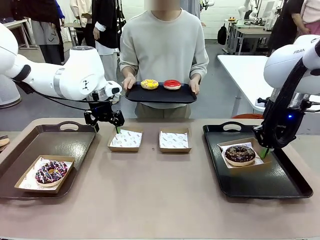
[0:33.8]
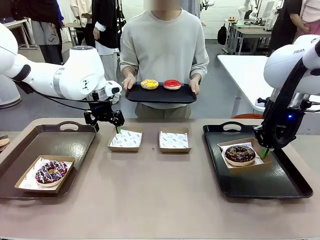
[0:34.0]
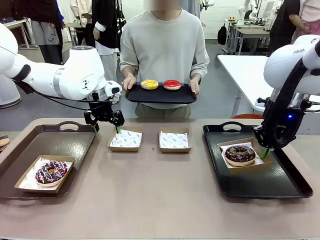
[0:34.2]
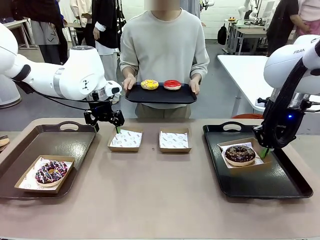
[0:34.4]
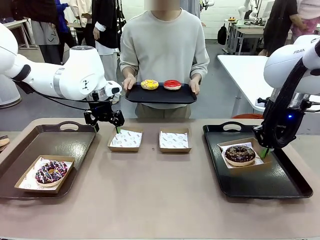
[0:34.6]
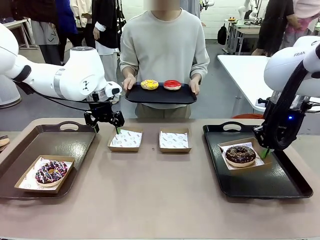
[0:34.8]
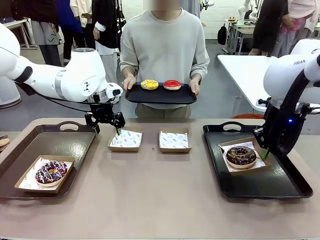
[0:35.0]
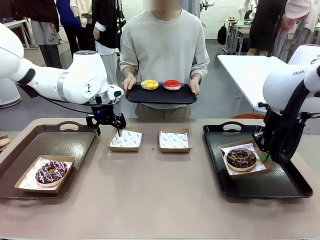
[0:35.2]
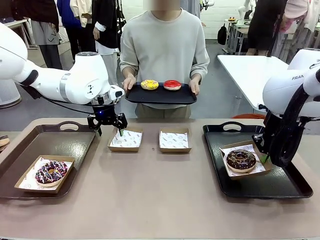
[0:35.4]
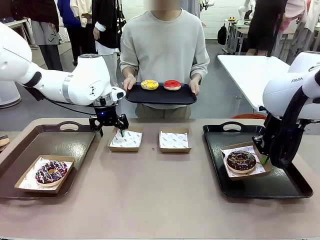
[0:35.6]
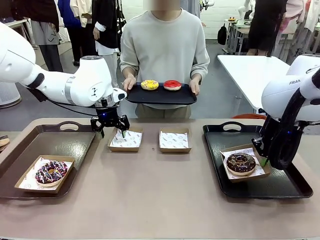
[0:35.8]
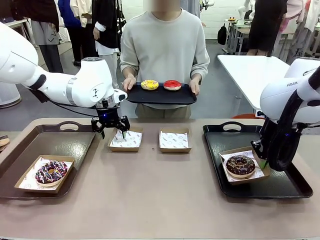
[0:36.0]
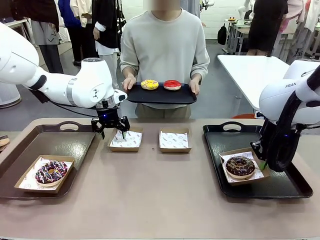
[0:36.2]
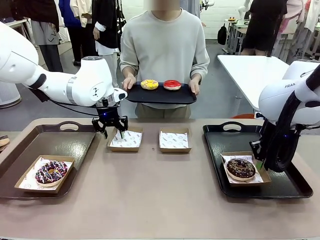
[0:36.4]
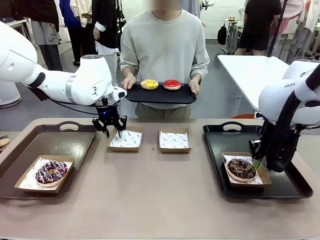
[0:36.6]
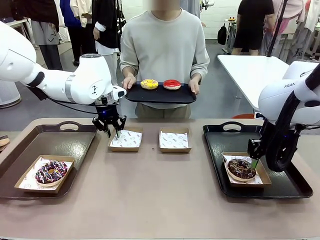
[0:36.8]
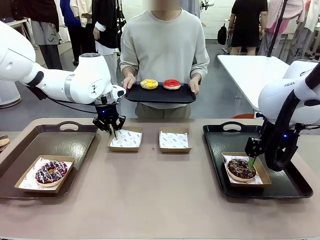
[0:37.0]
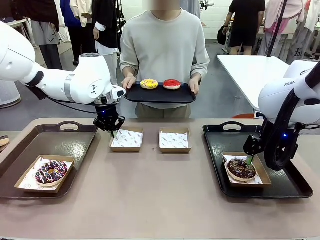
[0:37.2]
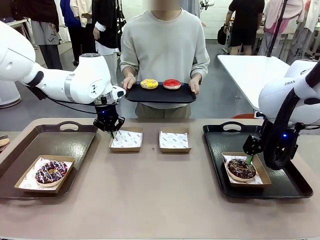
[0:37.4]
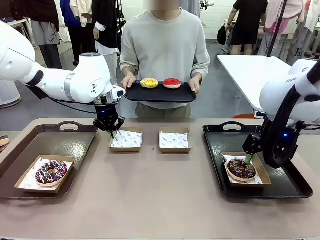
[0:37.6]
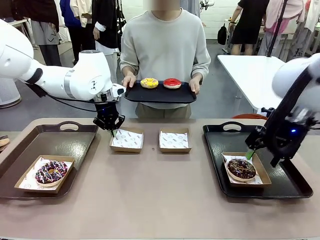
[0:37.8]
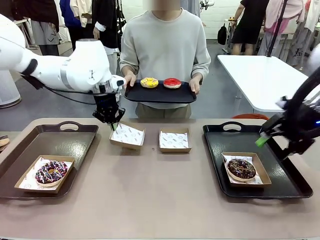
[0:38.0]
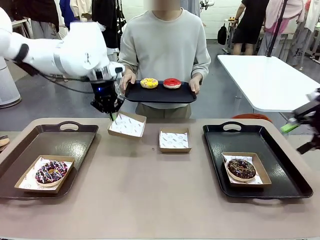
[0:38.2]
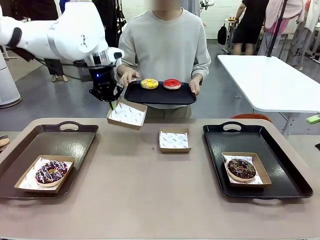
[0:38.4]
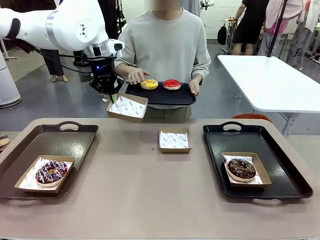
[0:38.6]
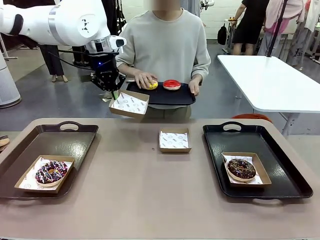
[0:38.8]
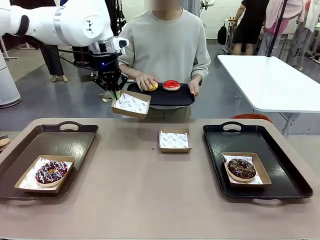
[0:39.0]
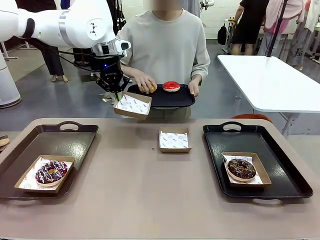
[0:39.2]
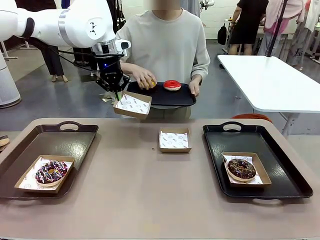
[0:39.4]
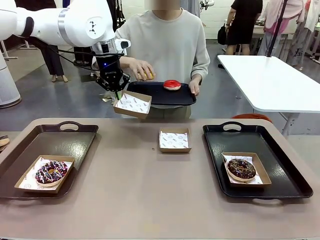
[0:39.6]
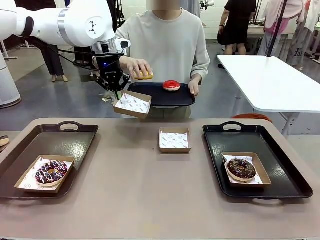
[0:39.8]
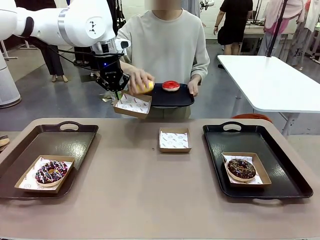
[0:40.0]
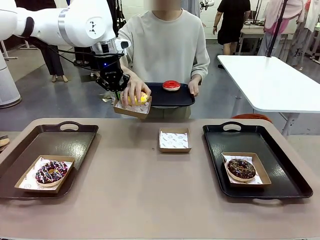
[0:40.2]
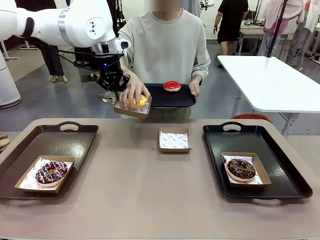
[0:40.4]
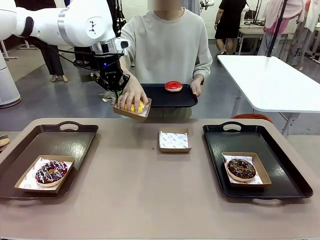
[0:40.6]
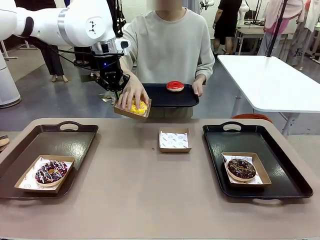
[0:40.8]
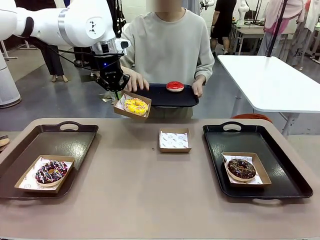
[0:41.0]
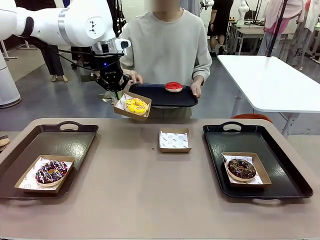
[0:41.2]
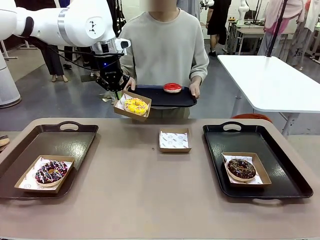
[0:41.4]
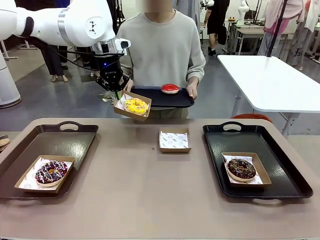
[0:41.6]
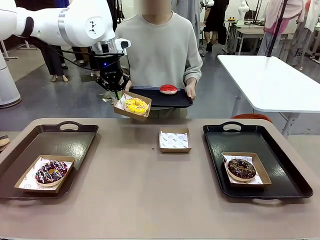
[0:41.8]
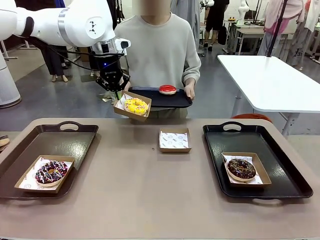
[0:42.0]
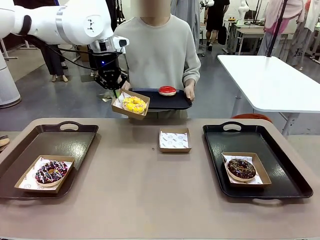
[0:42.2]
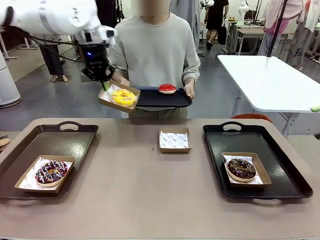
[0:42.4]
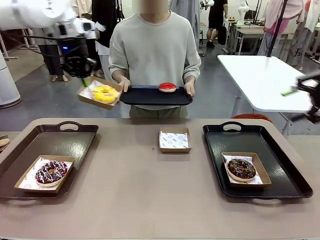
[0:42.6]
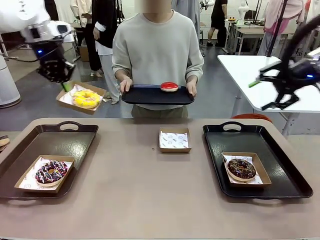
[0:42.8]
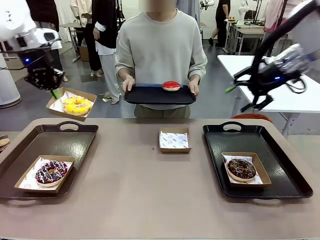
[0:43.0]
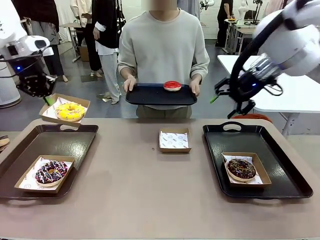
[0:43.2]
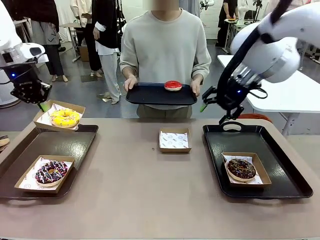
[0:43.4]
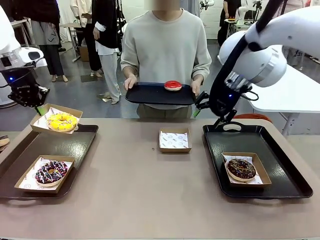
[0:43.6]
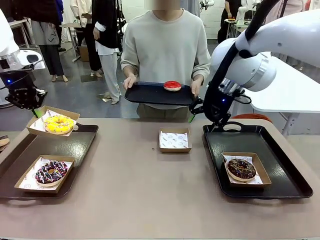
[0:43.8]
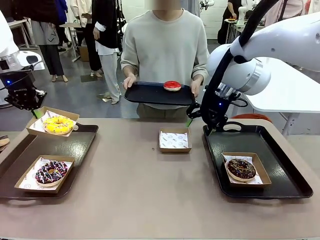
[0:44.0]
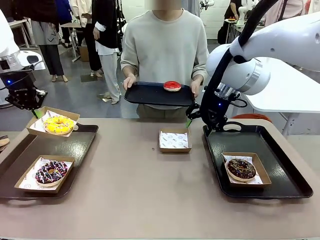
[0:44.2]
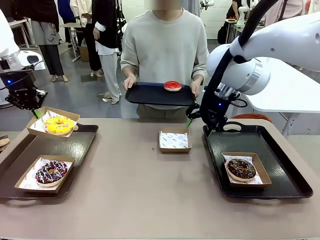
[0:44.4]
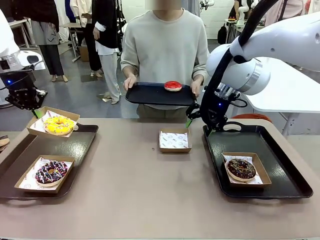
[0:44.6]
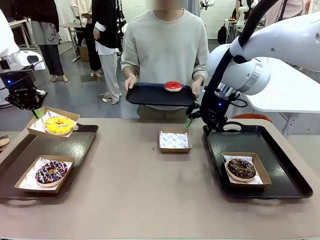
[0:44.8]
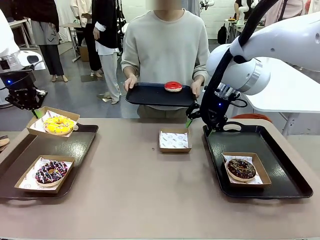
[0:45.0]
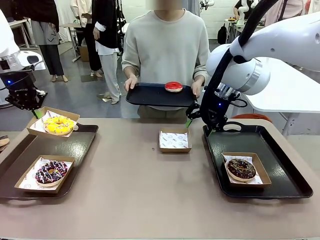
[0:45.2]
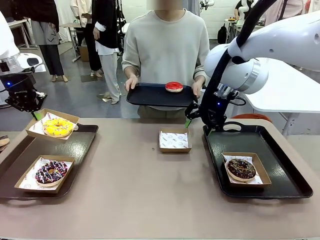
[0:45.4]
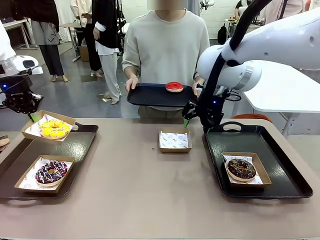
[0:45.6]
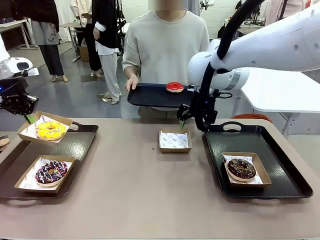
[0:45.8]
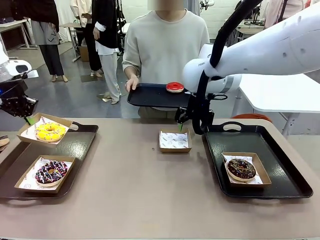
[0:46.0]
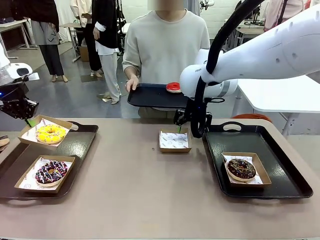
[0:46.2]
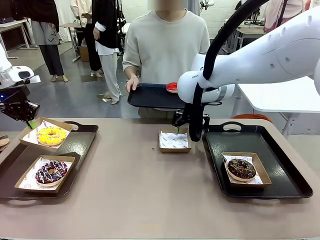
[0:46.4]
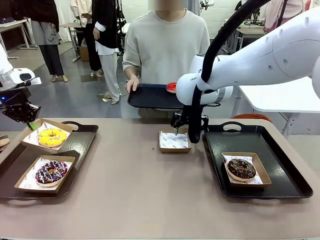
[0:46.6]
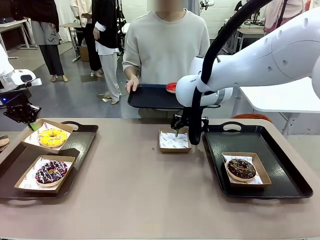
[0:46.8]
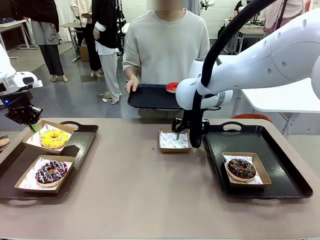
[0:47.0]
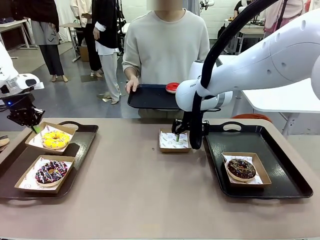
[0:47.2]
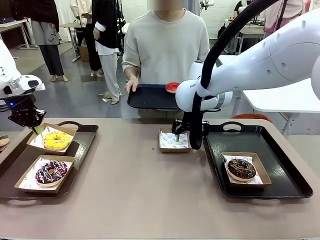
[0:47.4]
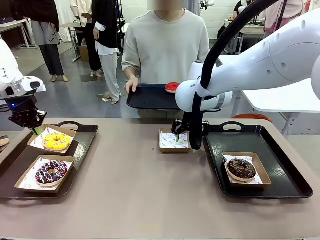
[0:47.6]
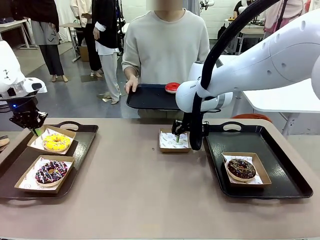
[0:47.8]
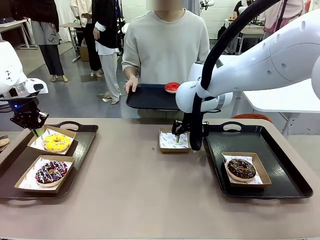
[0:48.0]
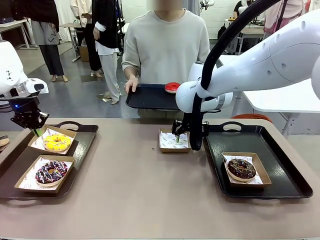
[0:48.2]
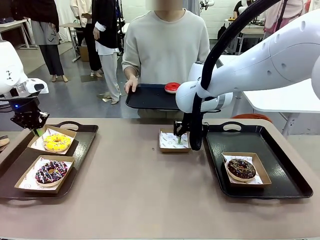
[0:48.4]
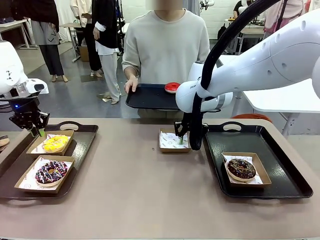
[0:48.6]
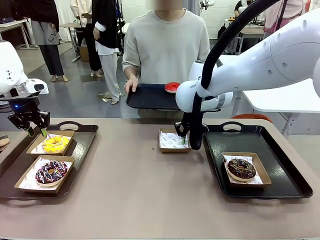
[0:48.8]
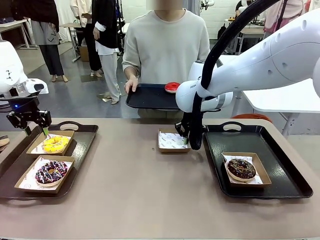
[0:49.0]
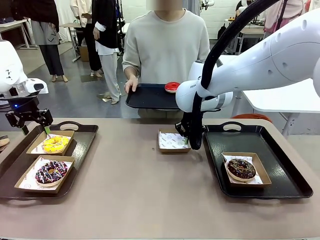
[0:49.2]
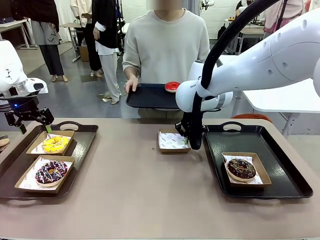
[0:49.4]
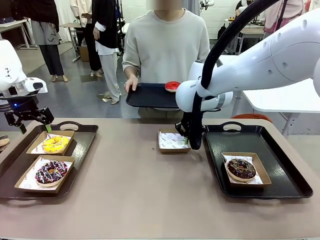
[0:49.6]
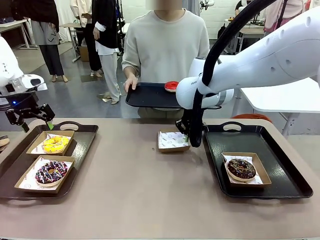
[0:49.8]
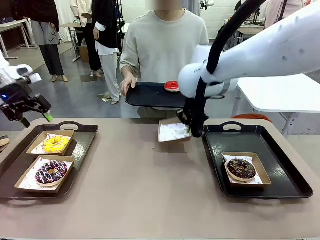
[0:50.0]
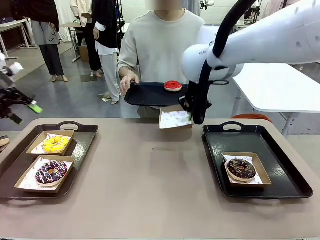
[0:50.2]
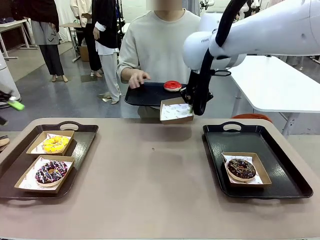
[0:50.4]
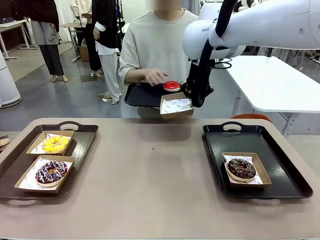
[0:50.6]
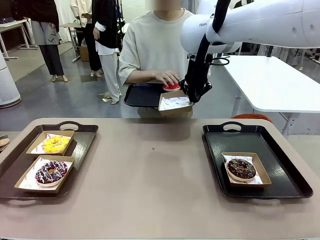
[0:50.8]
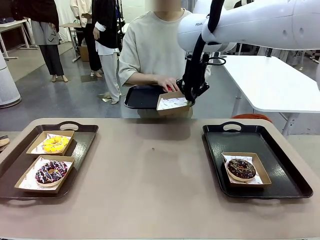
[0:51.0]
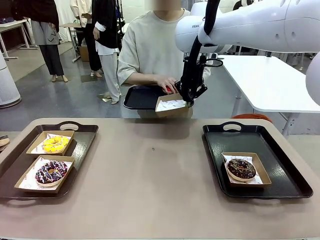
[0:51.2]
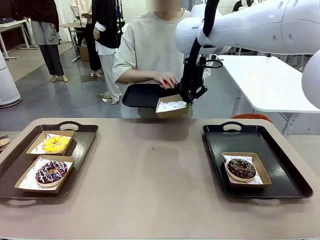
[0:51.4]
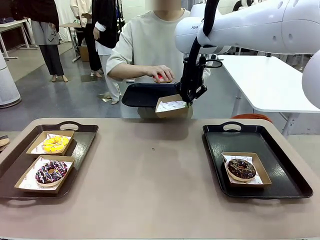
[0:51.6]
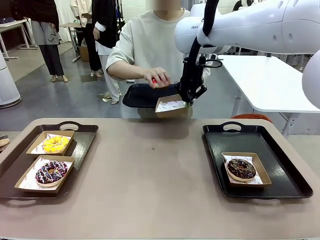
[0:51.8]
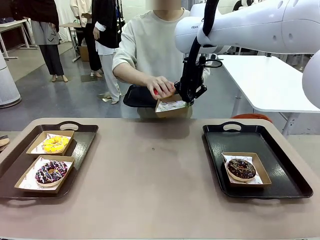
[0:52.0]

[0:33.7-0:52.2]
Task: Individually package the donuts and arrange them on the tray.
Robot: Place the picked Paper togo box on the Handle tray while simultaneously picking up another Paper togo box from the table with the other hand.

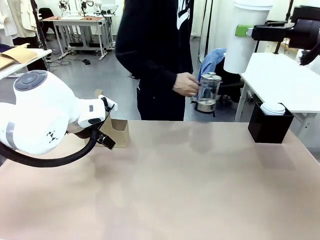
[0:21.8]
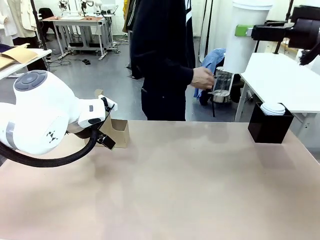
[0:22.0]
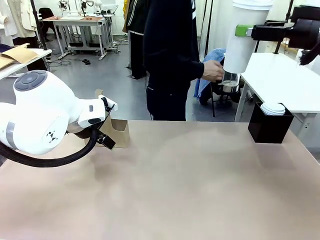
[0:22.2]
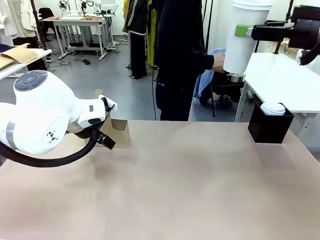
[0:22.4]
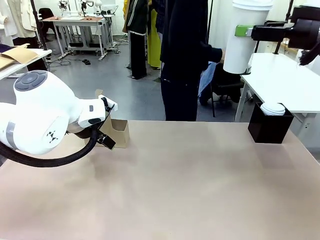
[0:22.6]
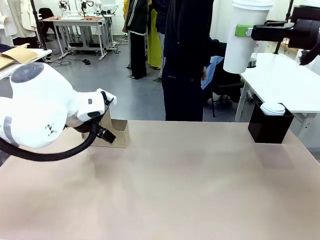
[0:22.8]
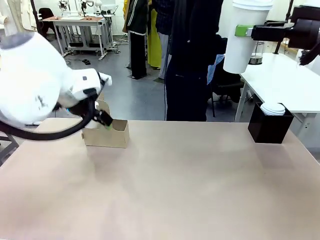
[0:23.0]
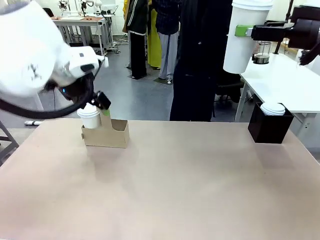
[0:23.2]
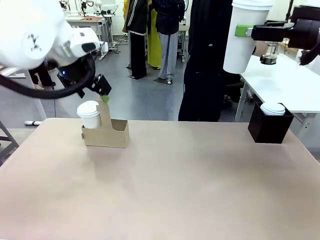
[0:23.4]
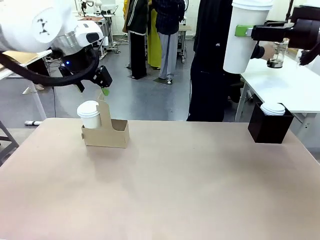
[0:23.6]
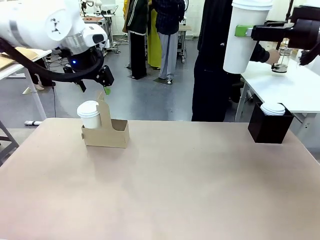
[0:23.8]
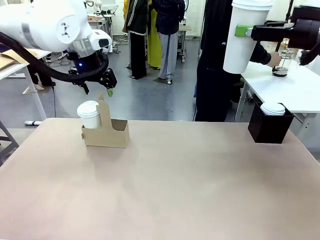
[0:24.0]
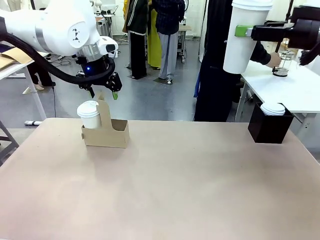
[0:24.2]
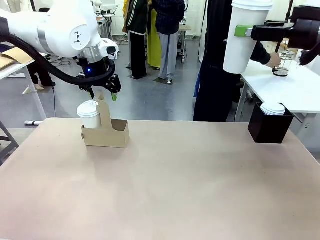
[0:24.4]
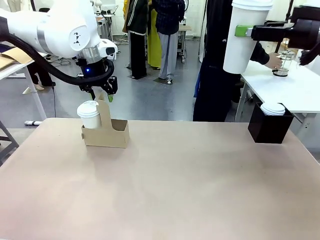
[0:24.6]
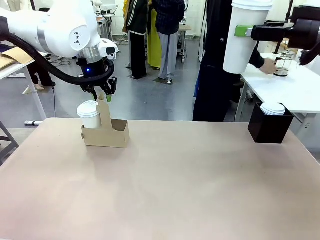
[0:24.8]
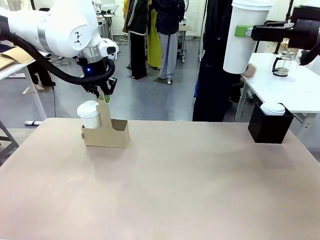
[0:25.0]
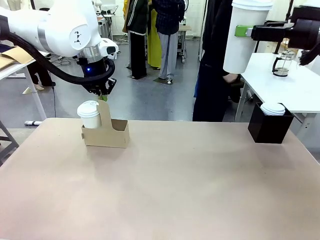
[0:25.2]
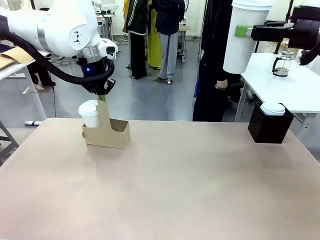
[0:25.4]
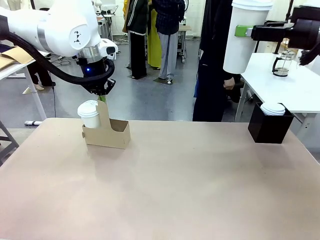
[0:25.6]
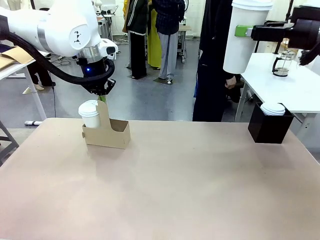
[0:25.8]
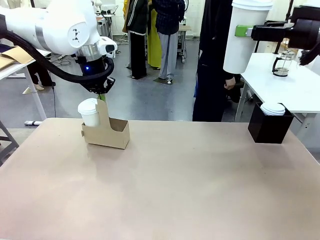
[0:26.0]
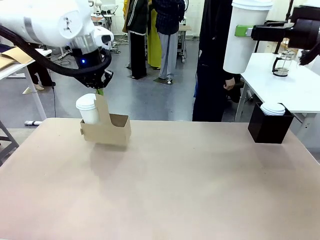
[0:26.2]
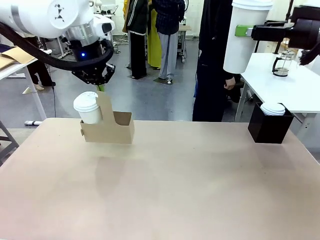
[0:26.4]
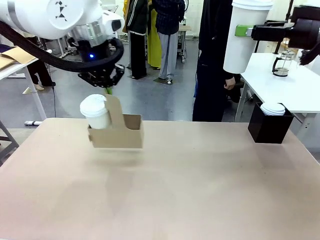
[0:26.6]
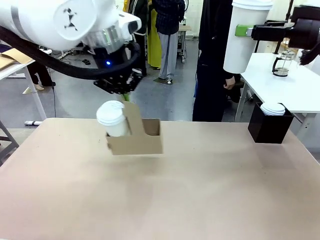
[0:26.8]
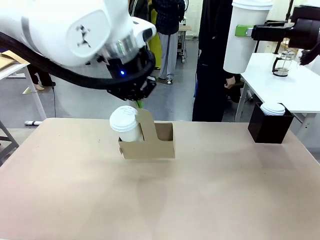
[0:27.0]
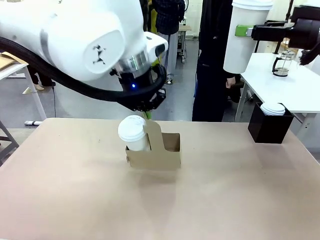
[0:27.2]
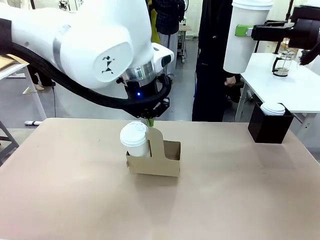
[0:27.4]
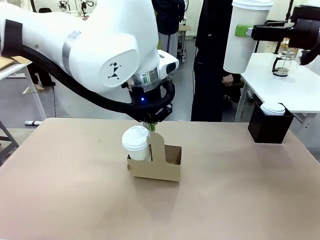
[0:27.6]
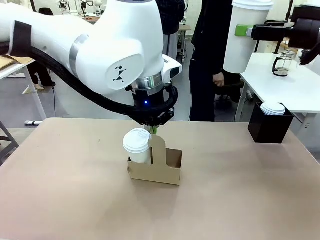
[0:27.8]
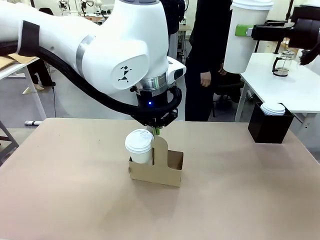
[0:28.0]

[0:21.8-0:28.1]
Task: Pour a drink into a cup and package it in a carrier.
Robot: Position the Cup Carrier in the center of the table.
Person: Pick up the Filter Brewing and place on the middle of Human table, and return to the Robot table.
